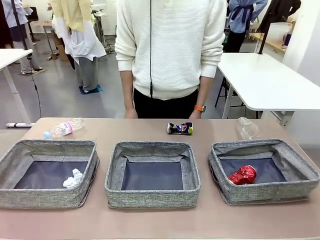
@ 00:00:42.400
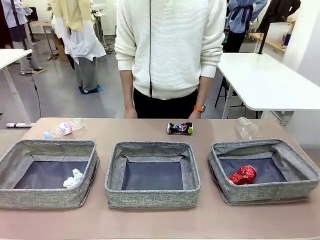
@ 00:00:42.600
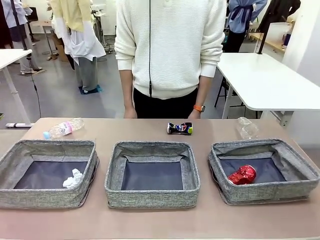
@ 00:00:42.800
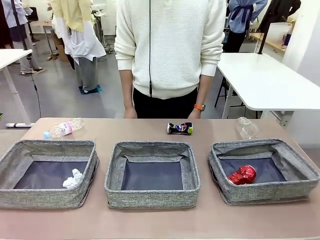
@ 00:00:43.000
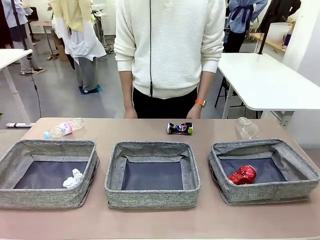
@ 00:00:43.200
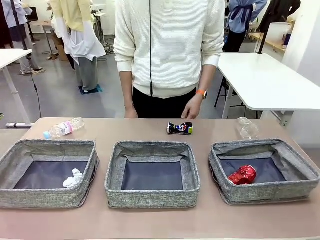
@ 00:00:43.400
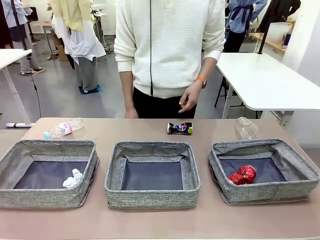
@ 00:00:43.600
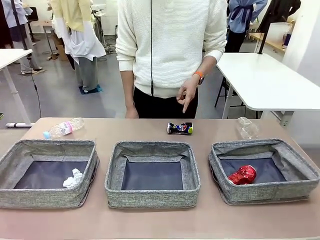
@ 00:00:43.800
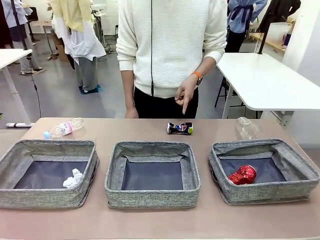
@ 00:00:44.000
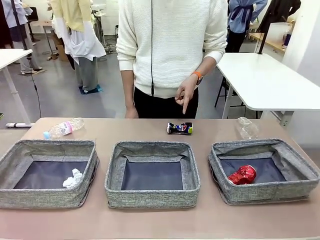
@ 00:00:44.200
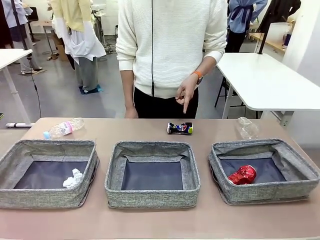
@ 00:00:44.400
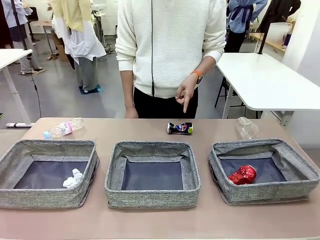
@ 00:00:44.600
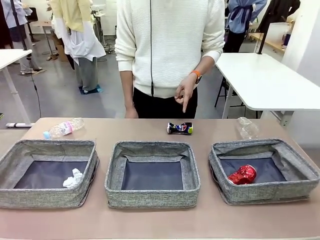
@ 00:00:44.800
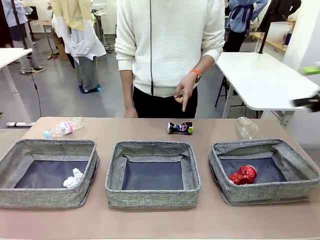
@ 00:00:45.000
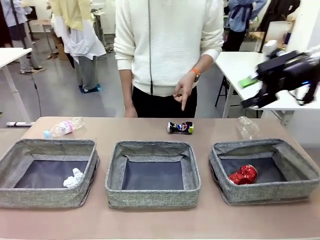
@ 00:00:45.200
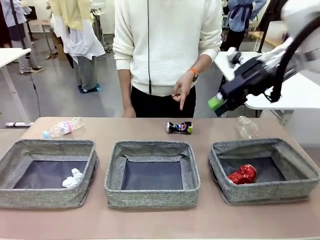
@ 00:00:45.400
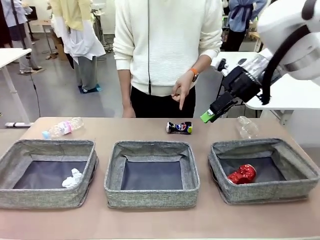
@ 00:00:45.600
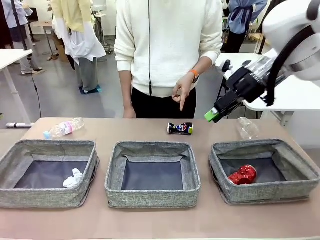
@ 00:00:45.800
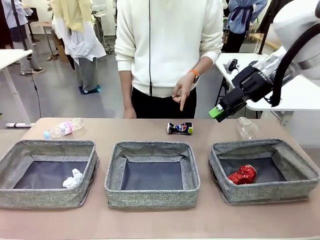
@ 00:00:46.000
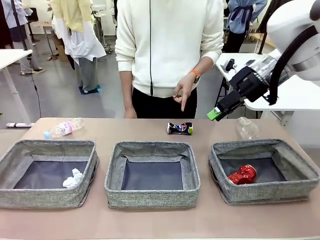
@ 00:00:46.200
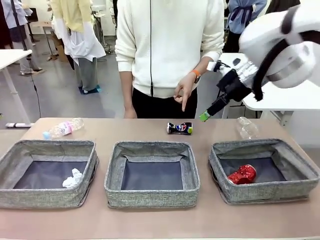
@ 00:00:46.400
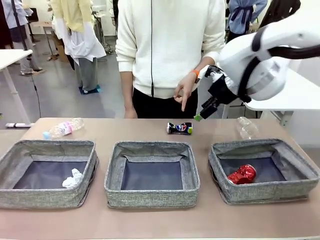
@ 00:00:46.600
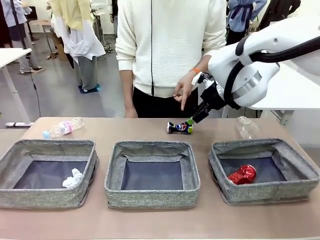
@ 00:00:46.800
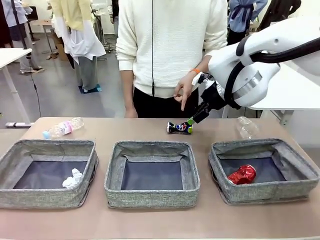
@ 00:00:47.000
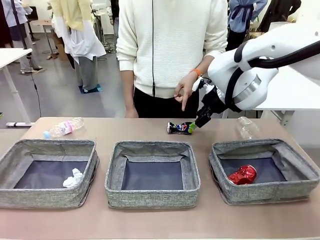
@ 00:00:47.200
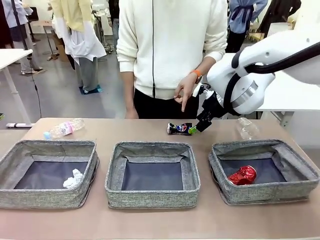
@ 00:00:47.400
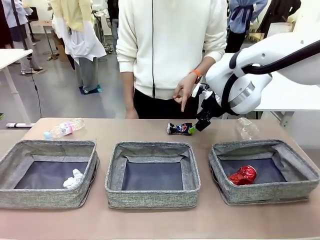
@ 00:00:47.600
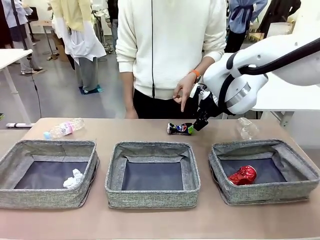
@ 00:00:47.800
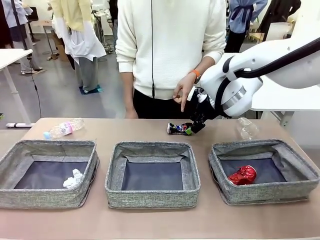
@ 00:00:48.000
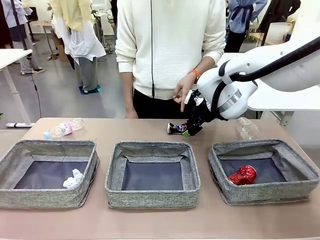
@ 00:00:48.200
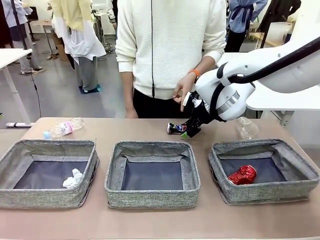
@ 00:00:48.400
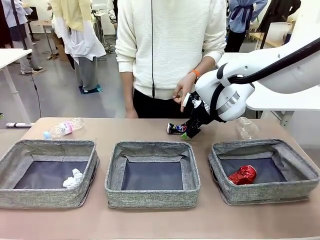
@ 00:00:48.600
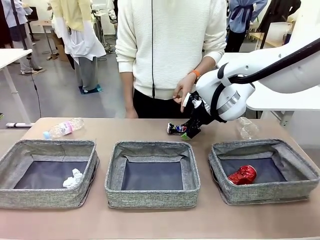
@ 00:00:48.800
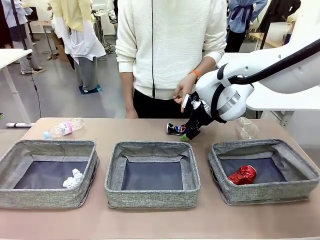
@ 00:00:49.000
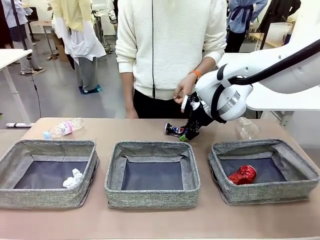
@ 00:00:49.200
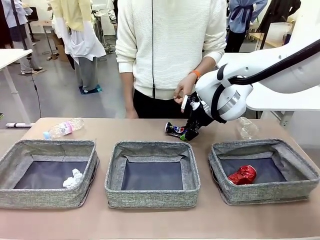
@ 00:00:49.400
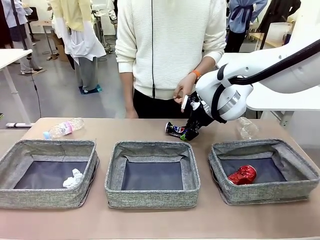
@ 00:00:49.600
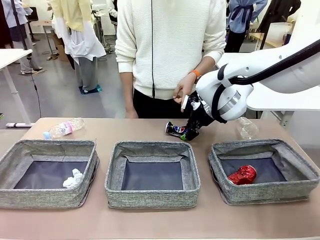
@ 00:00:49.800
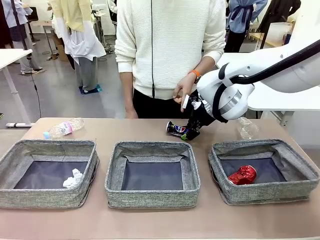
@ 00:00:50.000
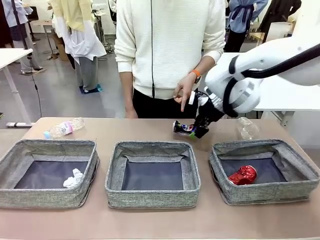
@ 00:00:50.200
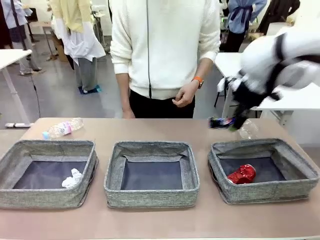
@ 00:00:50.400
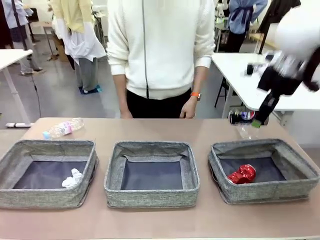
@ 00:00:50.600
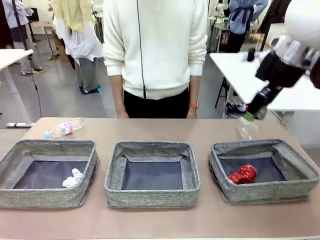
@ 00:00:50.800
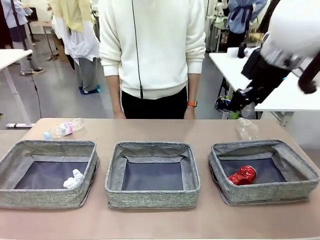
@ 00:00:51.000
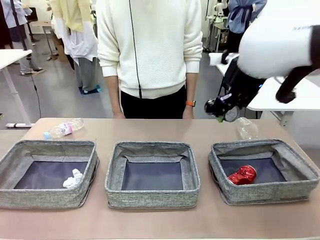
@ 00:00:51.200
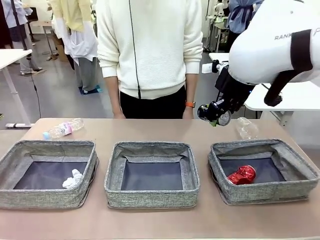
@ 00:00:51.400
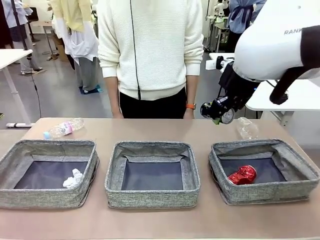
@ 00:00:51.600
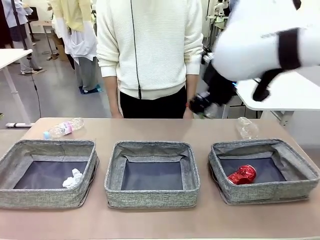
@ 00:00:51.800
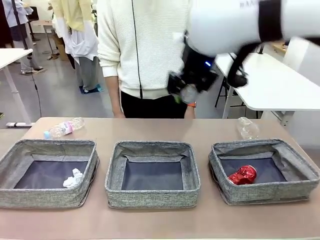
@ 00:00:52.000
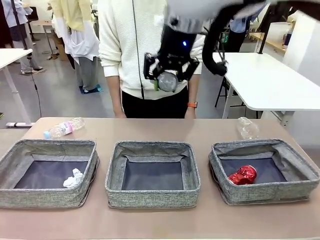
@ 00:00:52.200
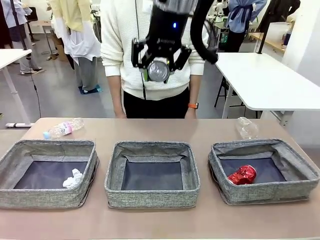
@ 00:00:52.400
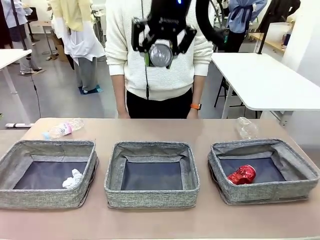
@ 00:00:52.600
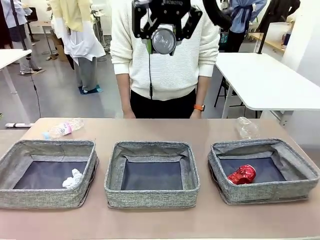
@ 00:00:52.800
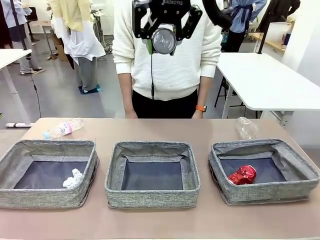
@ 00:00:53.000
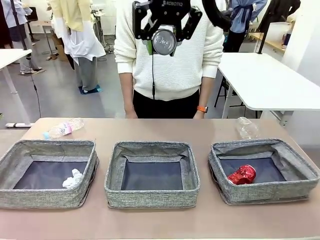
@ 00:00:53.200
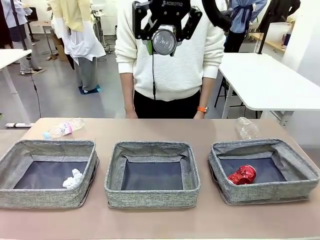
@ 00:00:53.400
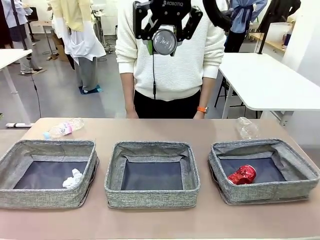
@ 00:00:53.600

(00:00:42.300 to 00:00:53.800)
Task: Sort the waste into the appropriate baskets.
Robot: Pick up the waste item pointed out by the person.
Person: Points to one piece of trash on the table.

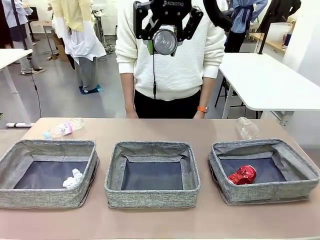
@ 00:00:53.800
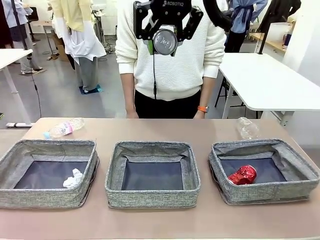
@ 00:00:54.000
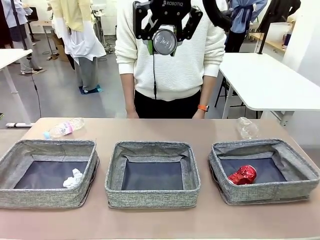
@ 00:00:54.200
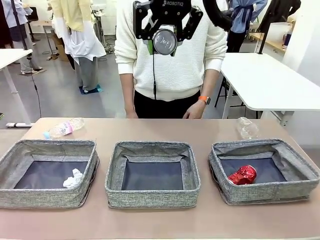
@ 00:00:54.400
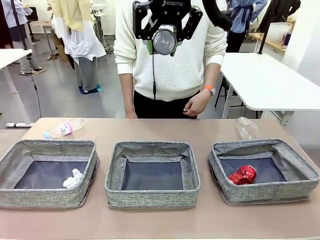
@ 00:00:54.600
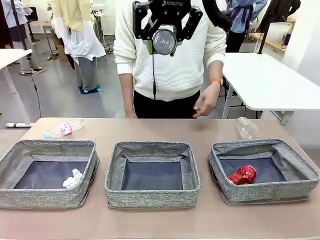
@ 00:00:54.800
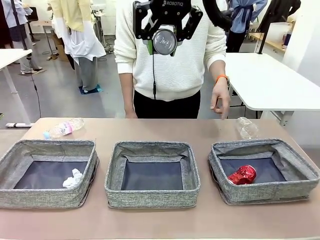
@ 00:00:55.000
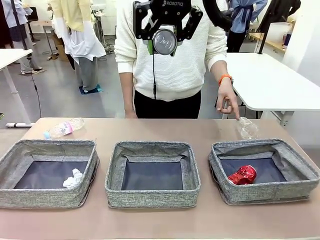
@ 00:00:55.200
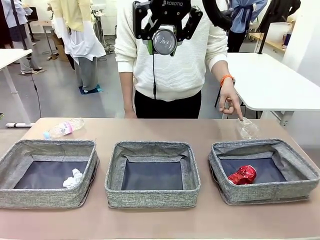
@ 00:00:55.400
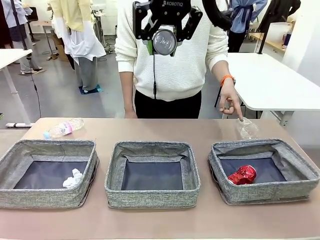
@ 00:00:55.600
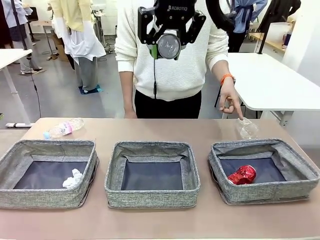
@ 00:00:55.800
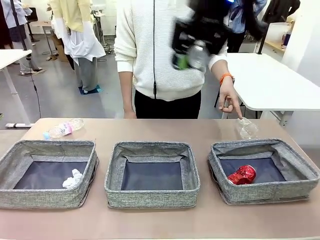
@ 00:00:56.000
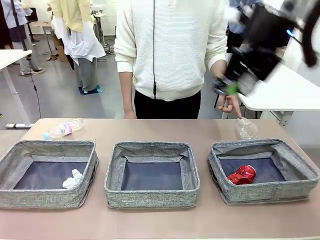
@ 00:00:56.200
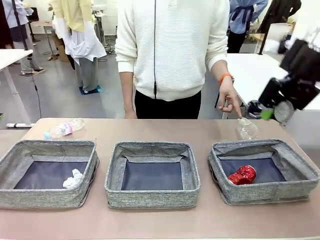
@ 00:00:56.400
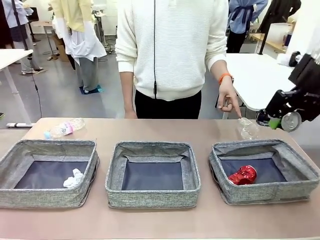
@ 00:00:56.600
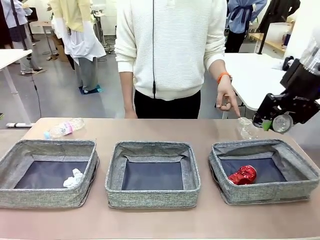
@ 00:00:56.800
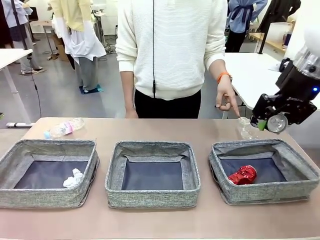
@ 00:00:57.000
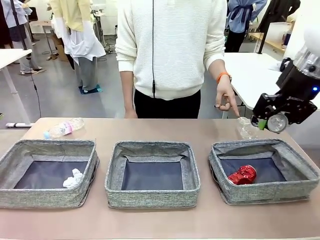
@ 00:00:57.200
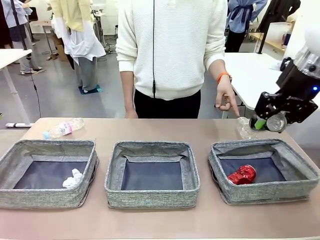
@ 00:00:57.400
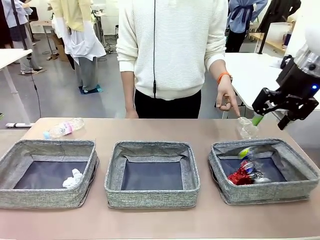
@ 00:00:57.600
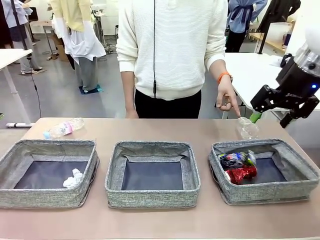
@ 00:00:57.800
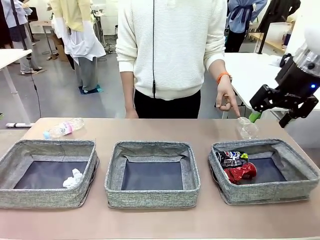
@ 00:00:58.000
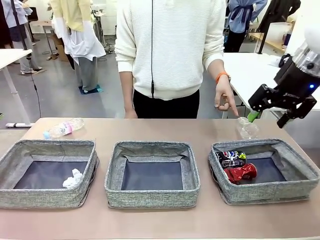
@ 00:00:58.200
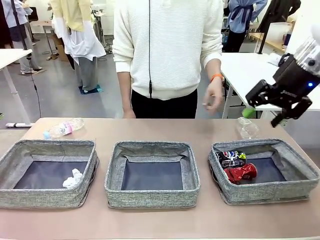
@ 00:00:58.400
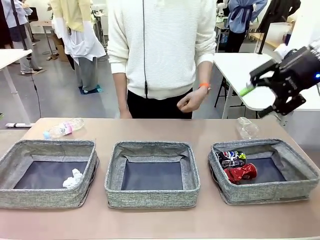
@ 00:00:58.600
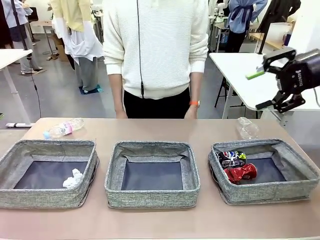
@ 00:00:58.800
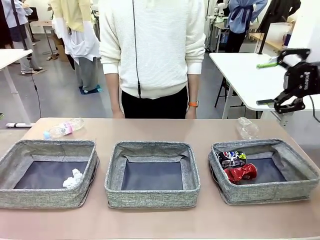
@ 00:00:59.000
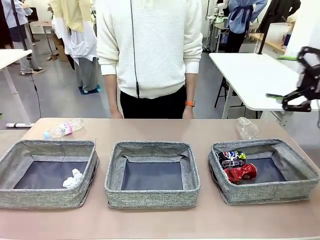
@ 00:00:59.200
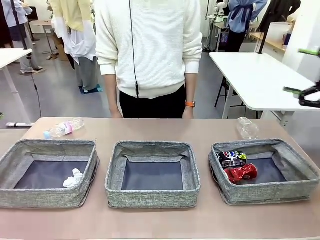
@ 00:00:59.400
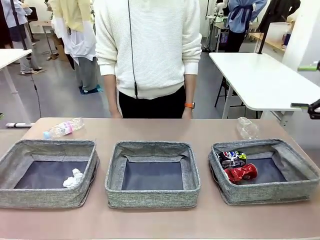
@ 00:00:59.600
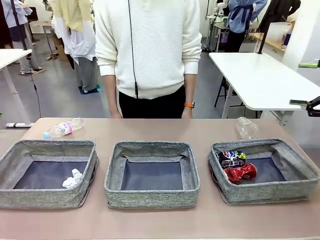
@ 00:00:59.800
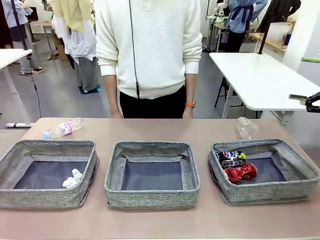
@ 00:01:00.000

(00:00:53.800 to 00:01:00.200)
Robot: Place the picked waste into the Fabric basket indicated by the person.
Person: Instructs the robot to place the picked-up trash into the appropriate organizing basket.
